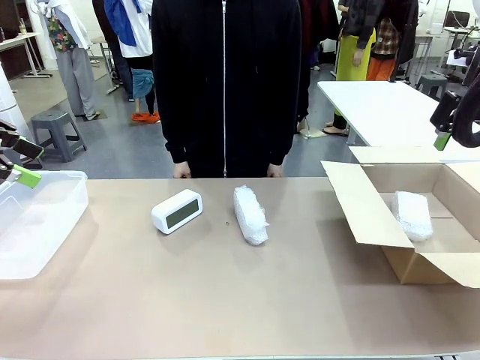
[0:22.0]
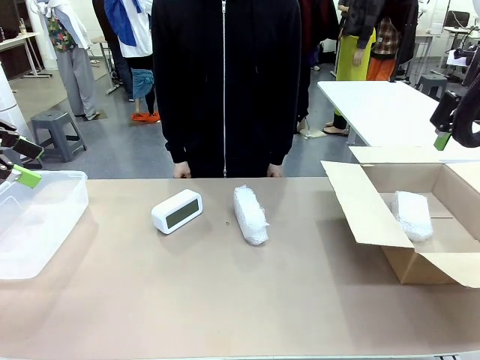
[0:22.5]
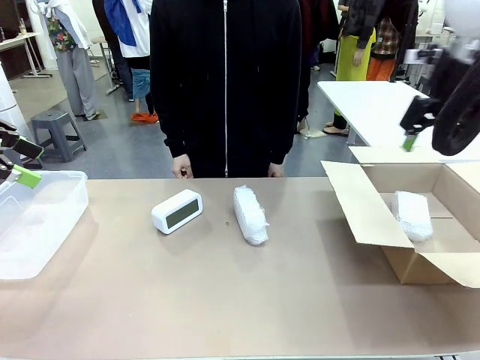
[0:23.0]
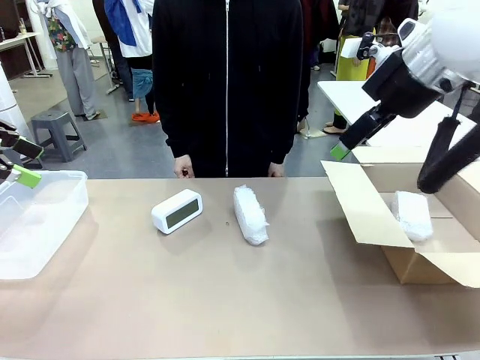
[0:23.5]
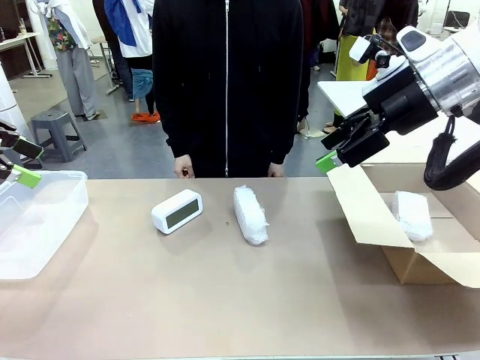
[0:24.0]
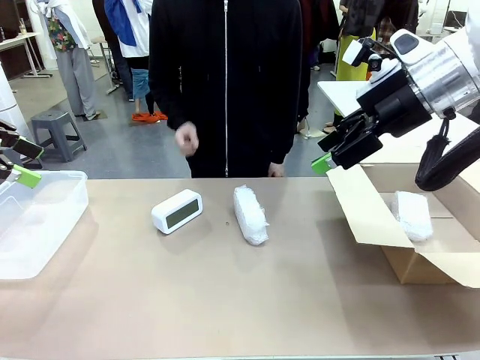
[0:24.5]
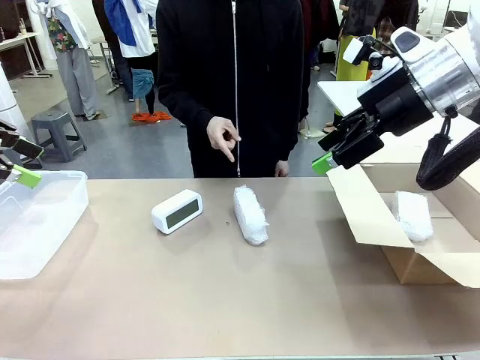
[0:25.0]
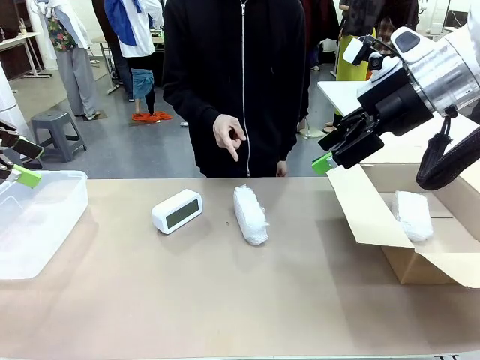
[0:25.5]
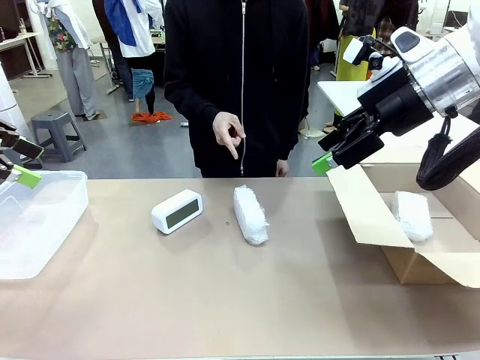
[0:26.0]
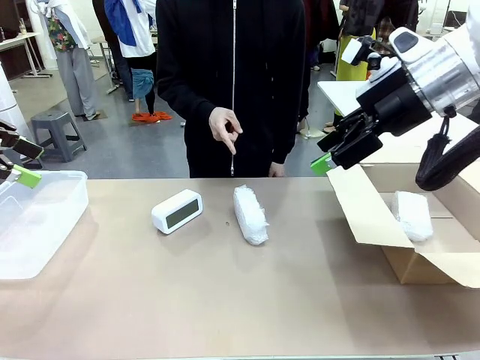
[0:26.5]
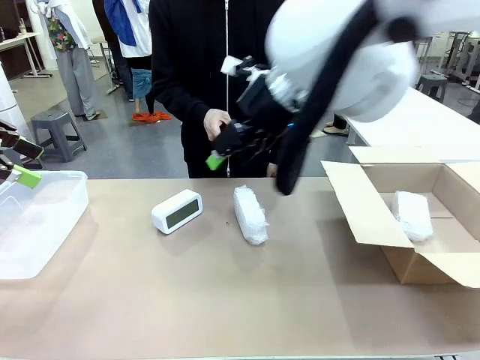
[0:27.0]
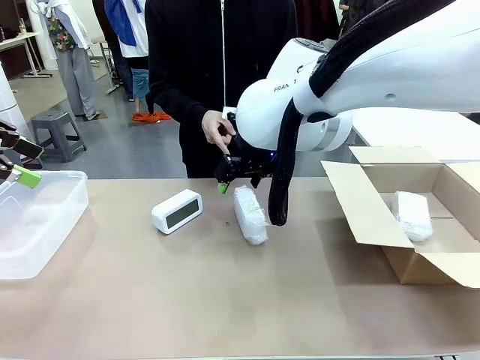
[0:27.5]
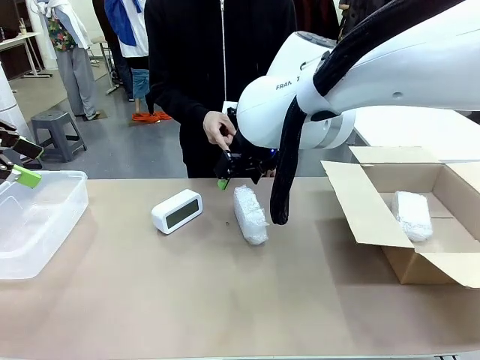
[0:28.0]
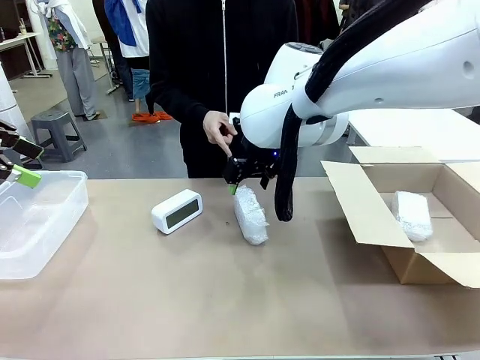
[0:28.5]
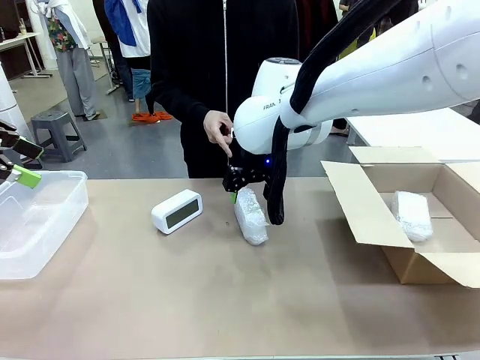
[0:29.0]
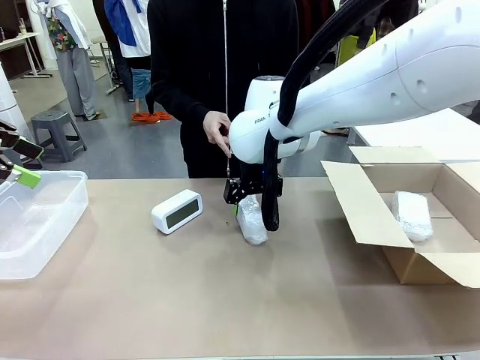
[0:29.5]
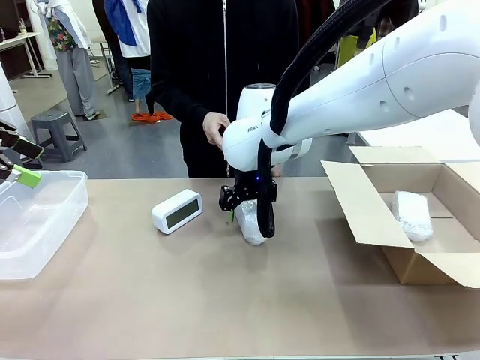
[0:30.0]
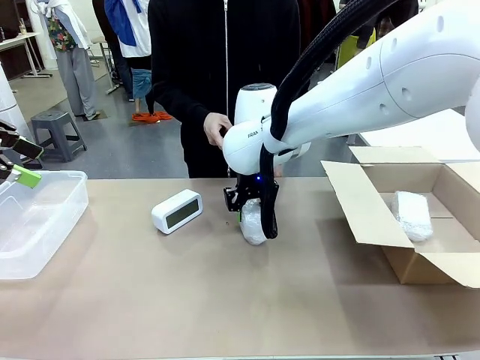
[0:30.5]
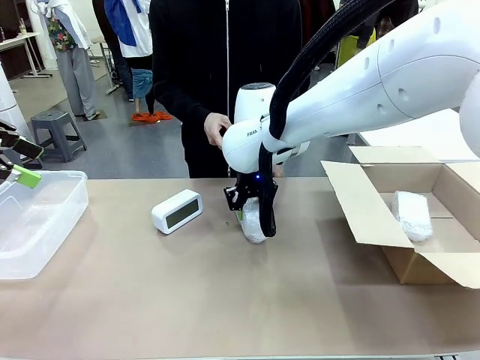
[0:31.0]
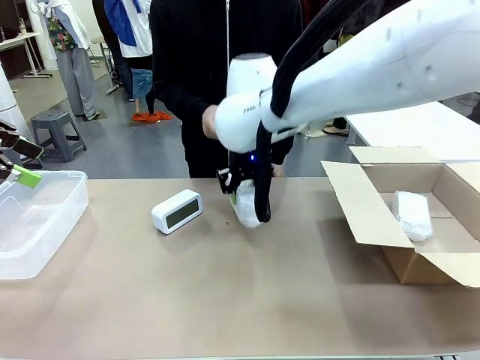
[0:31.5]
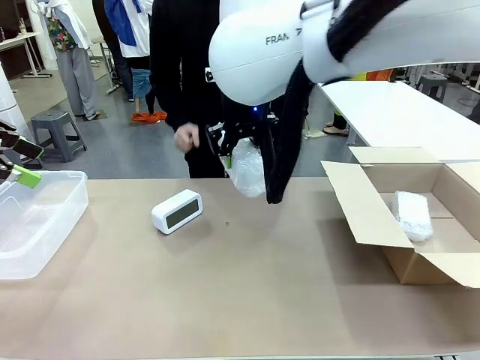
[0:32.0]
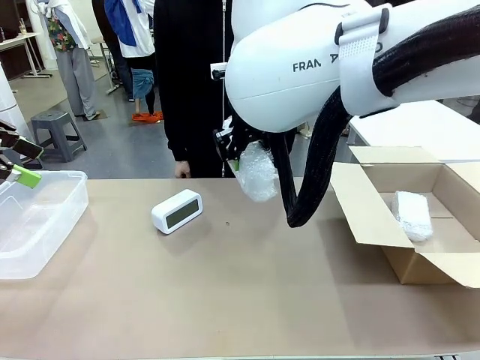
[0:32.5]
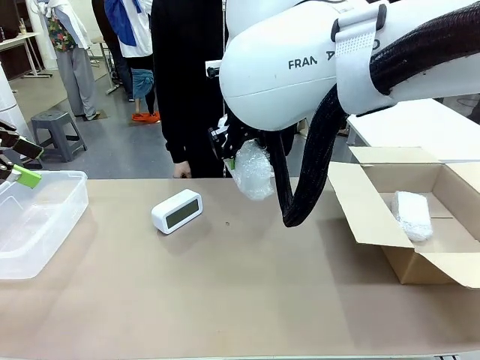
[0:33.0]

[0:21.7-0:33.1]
Task: Separate and place wrapped and unwrapped clocks.
Robot: Pick up the Digital clock indicated by the person.

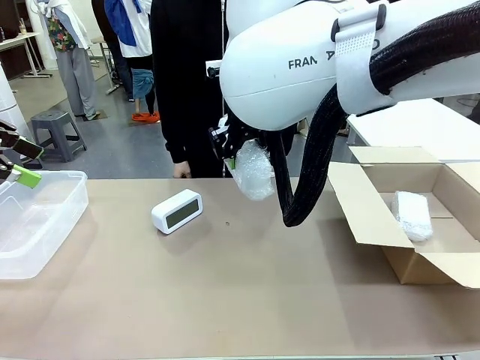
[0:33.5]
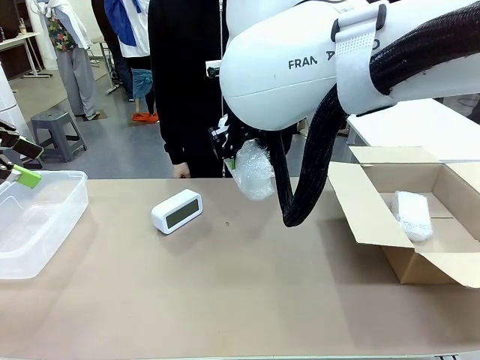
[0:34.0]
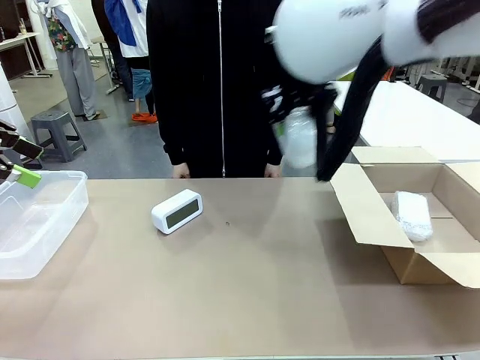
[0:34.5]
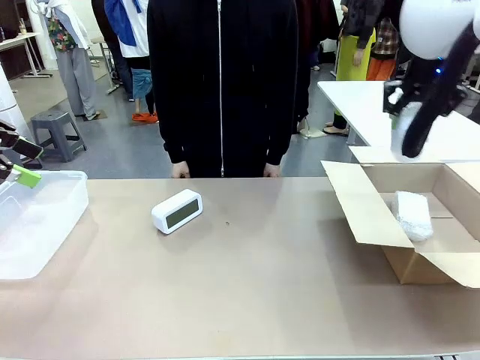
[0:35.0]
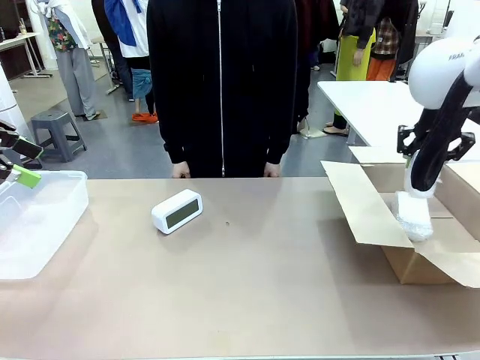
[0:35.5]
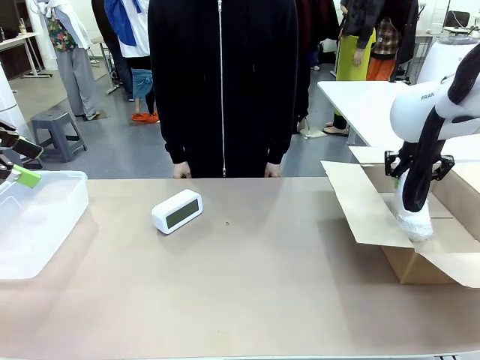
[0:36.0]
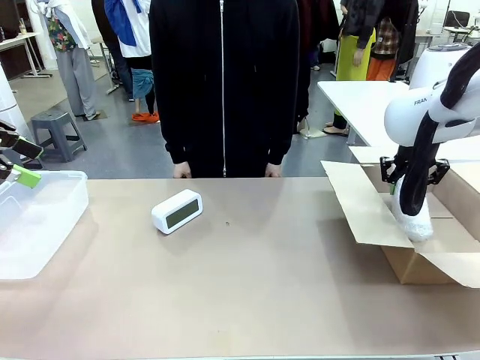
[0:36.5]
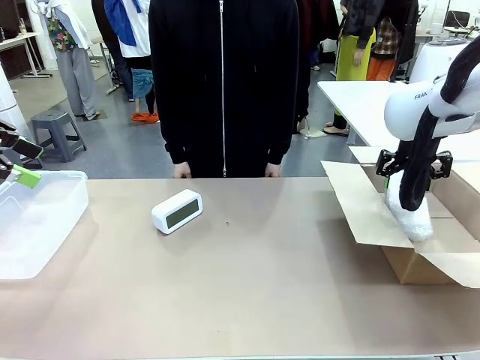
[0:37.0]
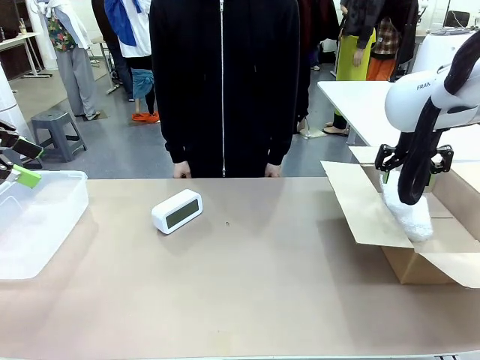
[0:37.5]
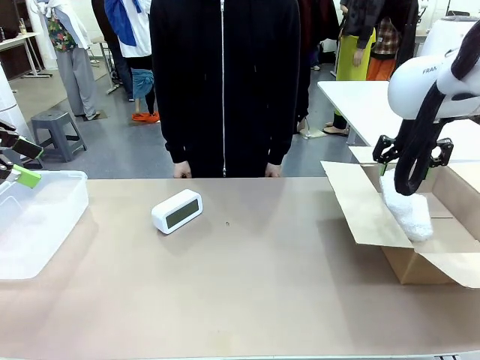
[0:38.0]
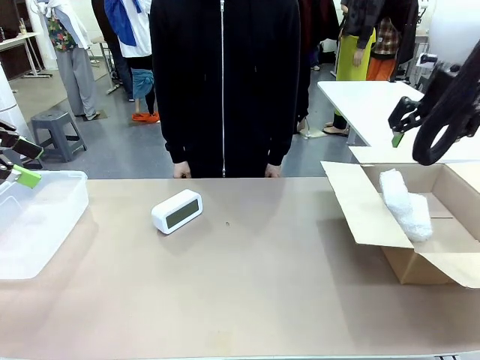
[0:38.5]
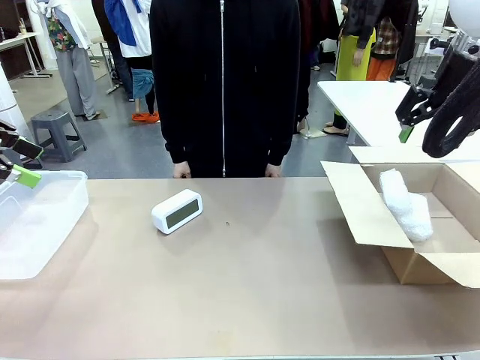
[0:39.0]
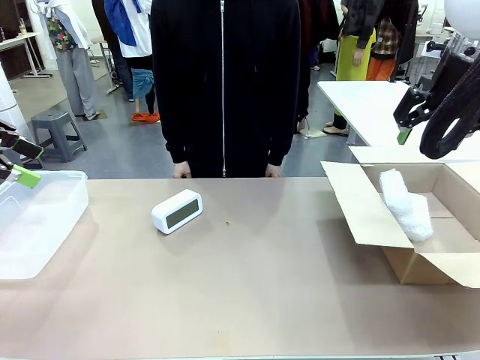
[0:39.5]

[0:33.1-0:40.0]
Robot: If the picked Digital clock is wrapped, place it in the Package Box ; if not, place it in the Organizing box.

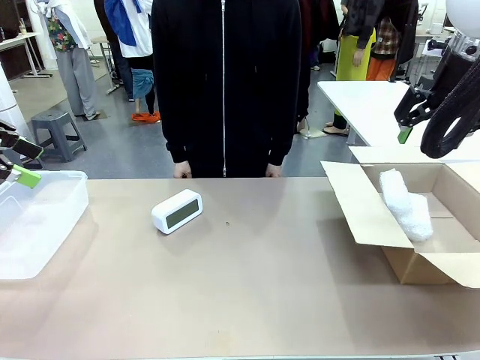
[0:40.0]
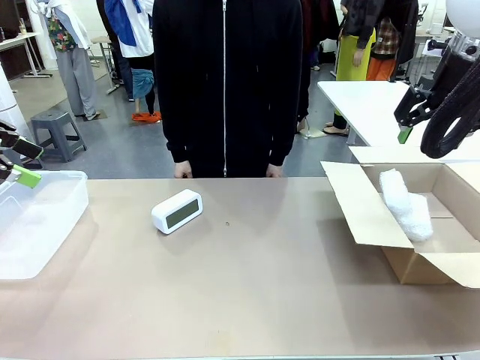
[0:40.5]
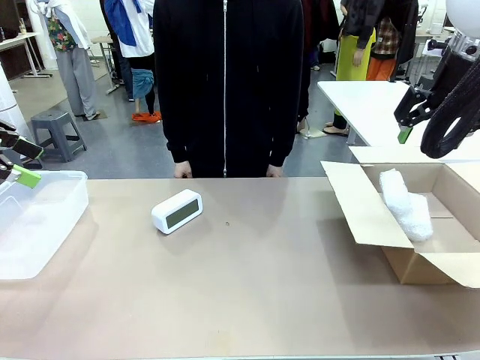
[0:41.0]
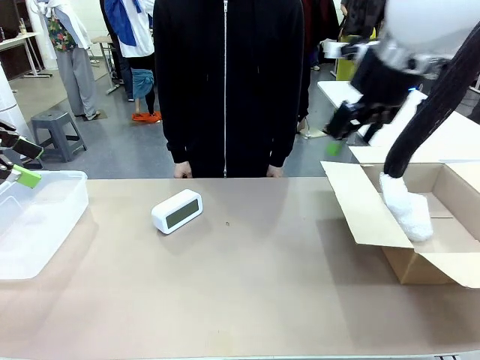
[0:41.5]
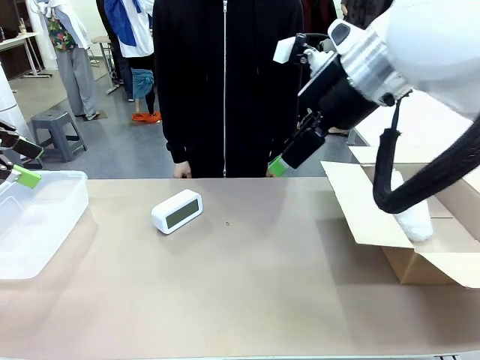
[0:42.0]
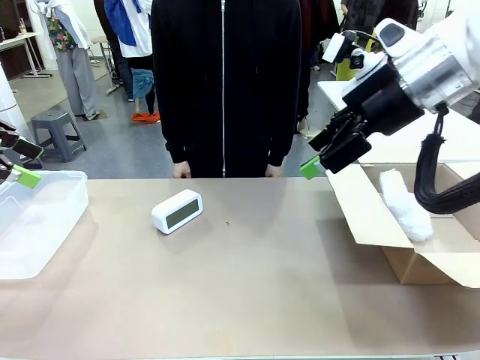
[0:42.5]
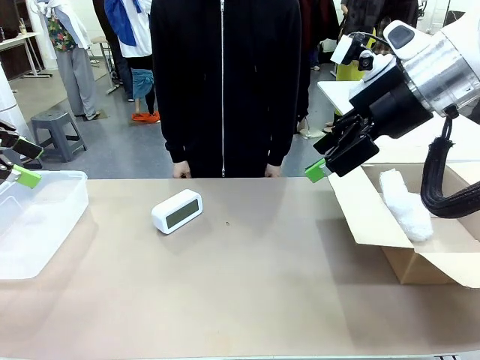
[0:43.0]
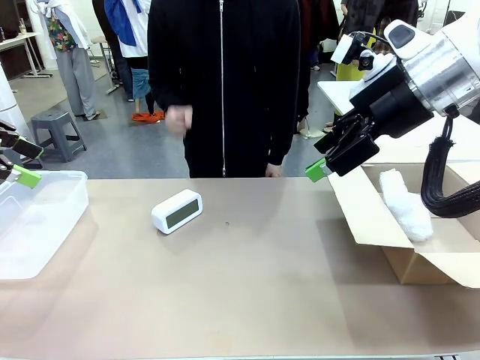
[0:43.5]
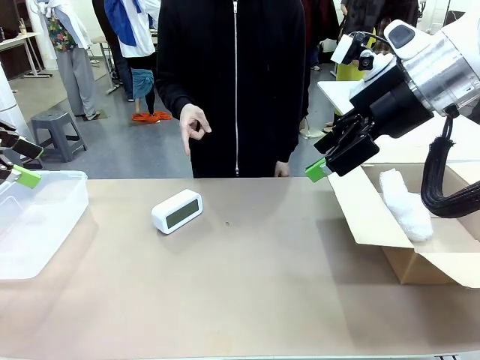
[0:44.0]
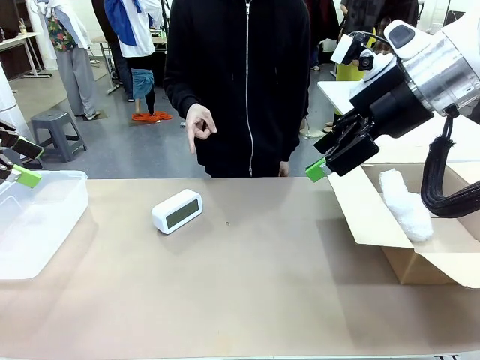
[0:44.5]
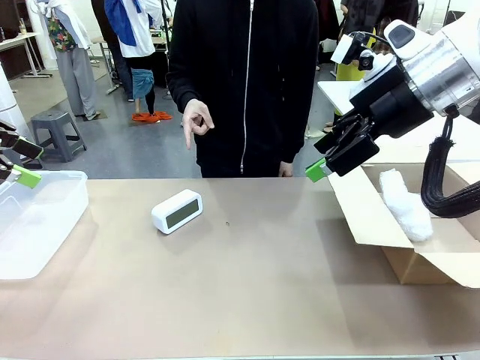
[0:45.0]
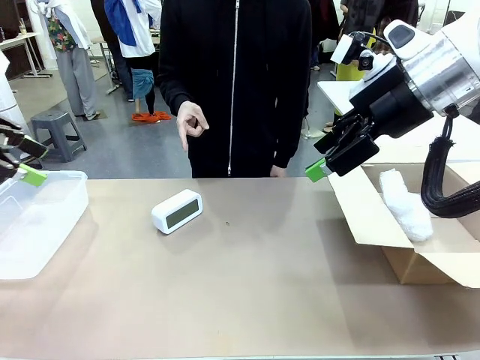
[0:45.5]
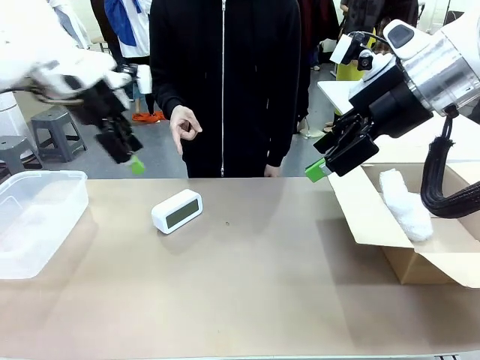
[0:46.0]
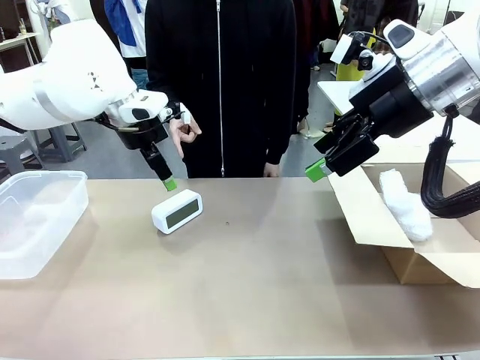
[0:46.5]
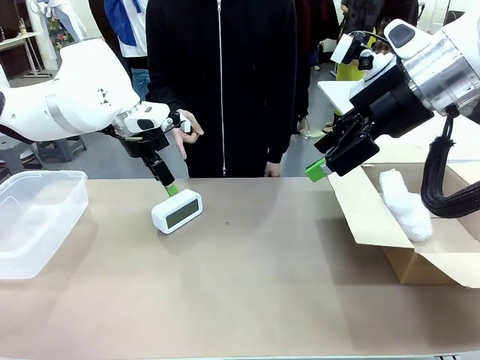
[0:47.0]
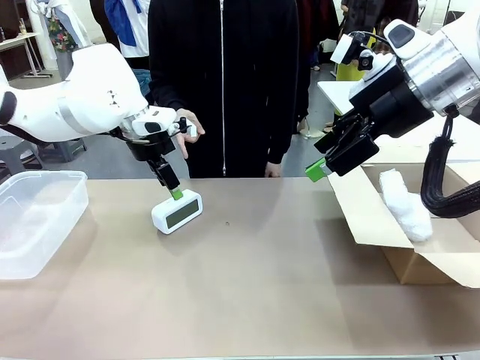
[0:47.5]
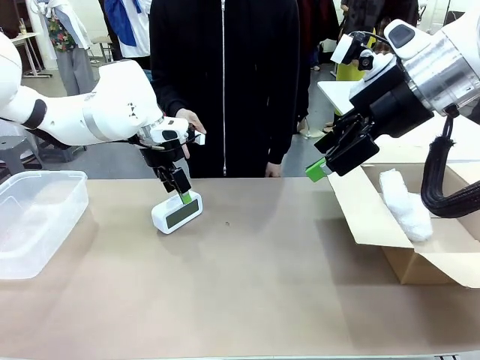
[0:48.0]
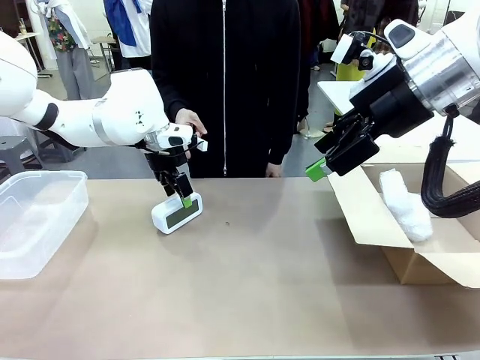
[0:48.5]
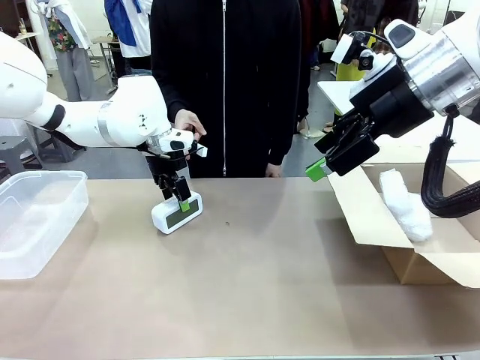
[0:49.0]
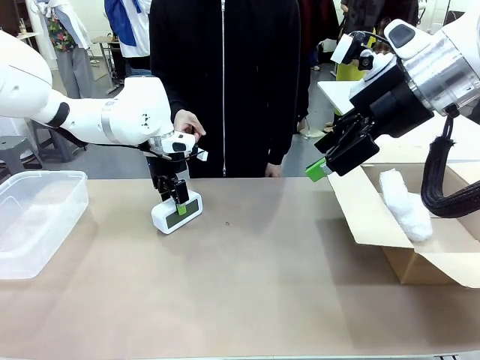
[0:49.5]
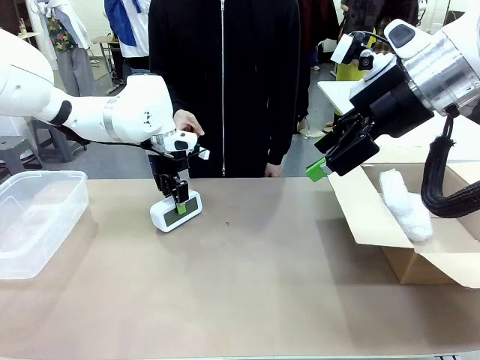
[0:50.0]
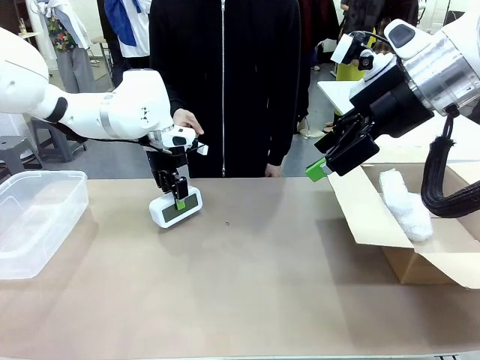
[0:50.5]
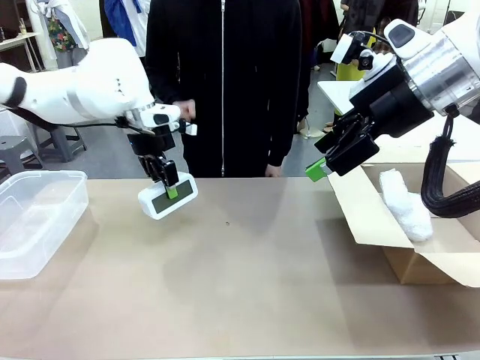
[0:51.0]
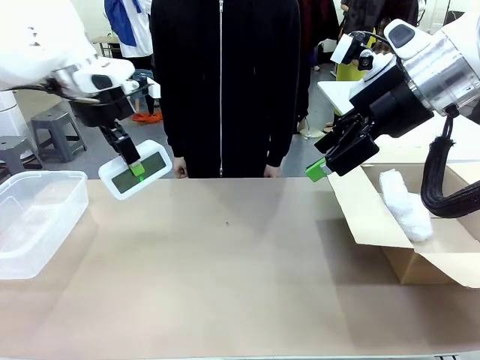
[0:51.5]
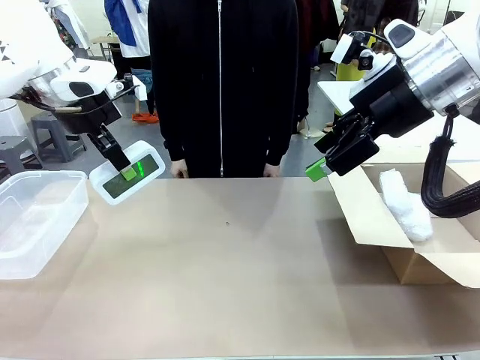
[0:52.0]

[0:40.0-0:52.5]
Robot: Pick up the Digital clock indicated by the person.
